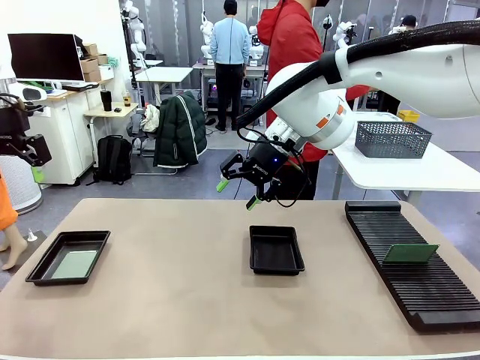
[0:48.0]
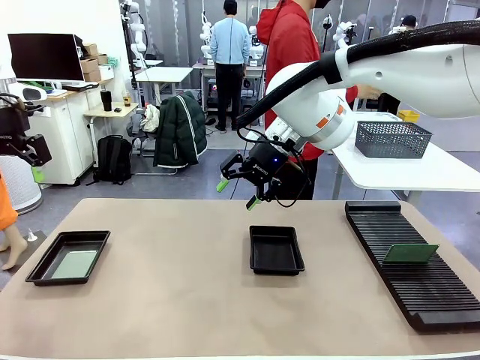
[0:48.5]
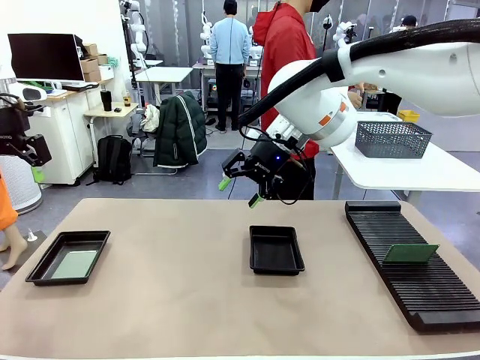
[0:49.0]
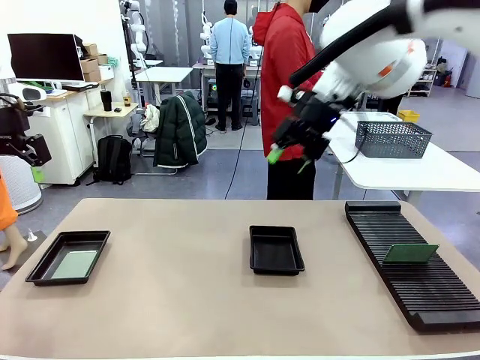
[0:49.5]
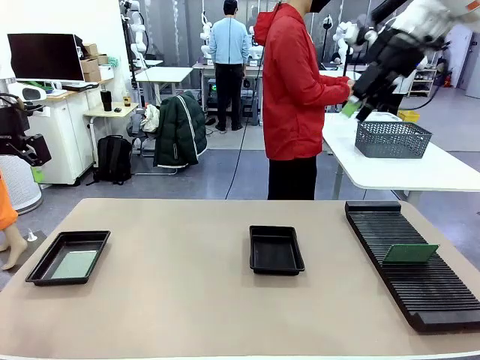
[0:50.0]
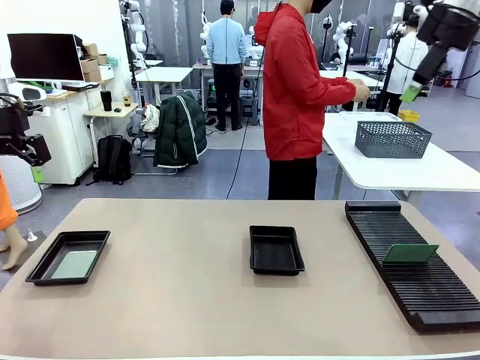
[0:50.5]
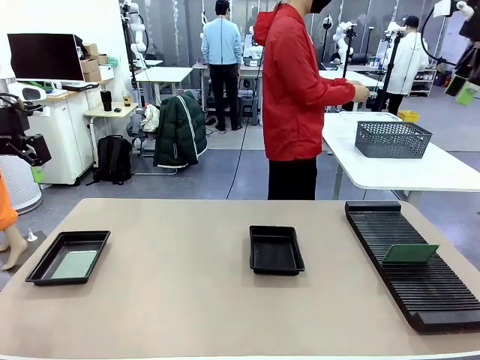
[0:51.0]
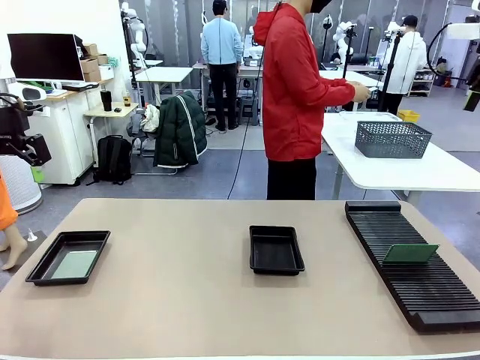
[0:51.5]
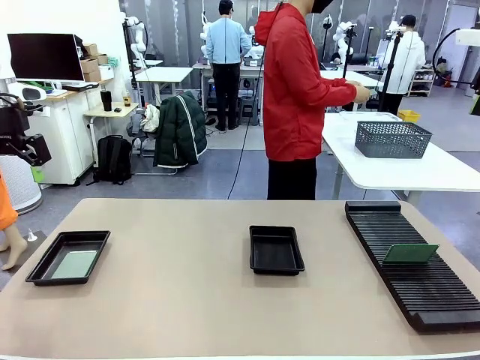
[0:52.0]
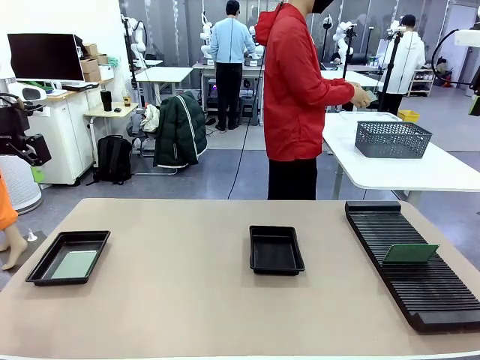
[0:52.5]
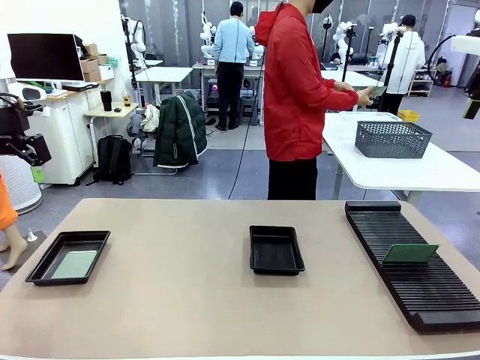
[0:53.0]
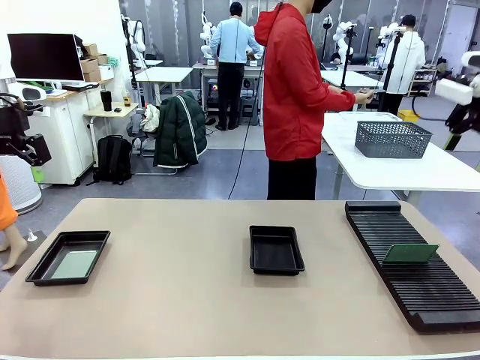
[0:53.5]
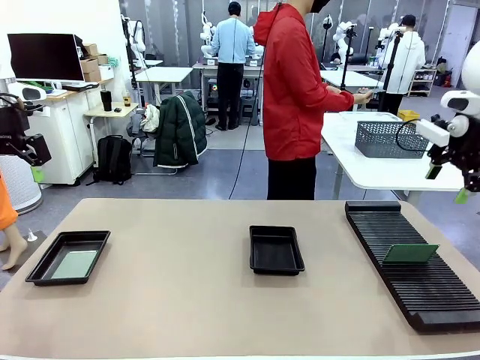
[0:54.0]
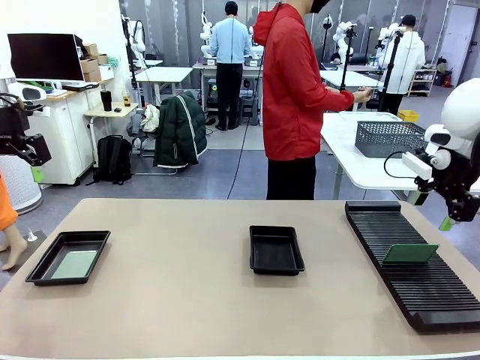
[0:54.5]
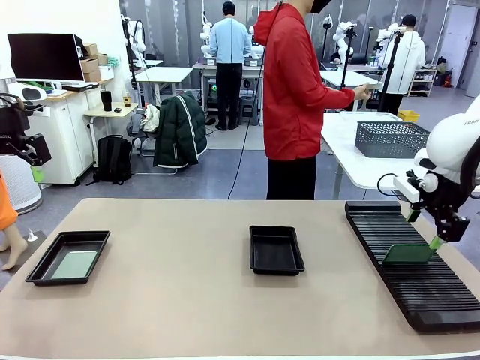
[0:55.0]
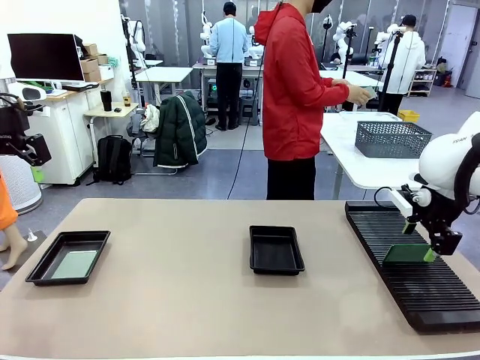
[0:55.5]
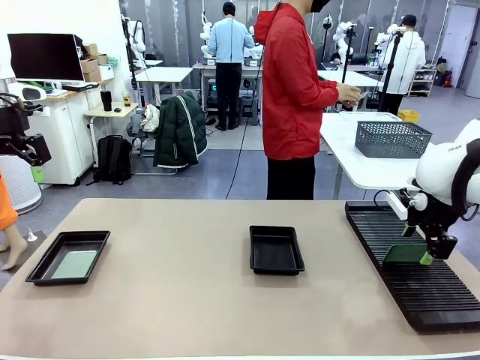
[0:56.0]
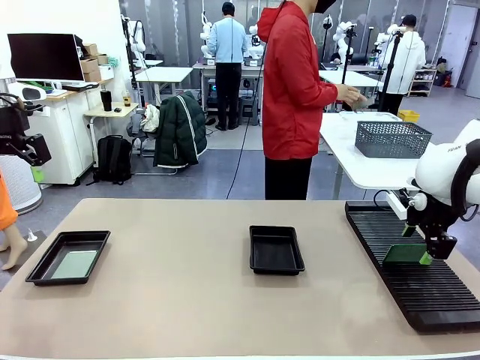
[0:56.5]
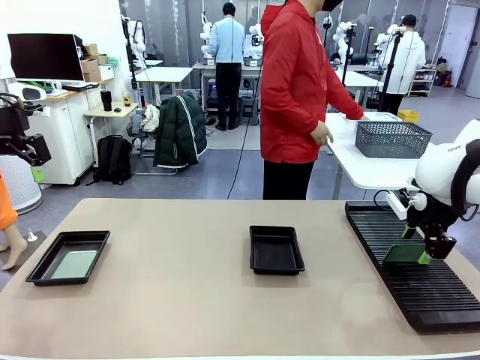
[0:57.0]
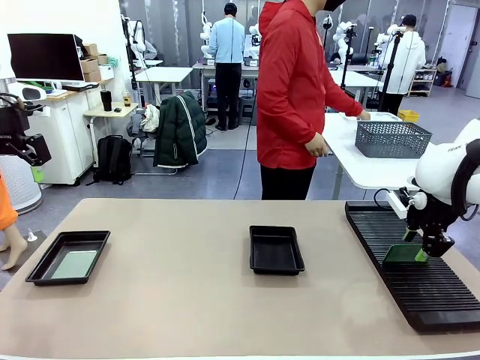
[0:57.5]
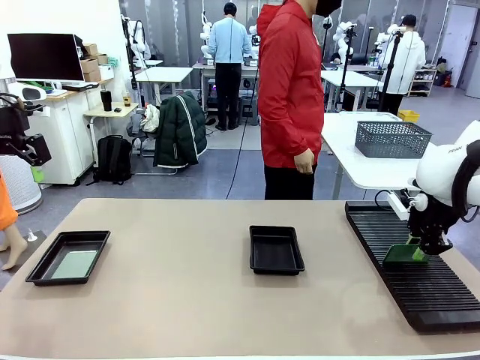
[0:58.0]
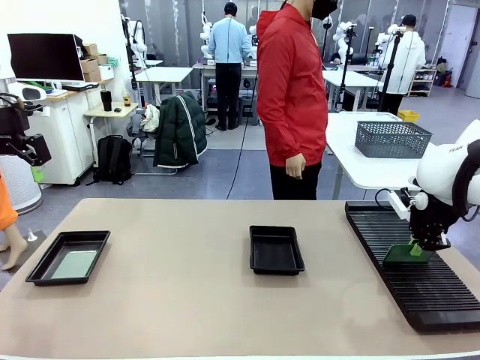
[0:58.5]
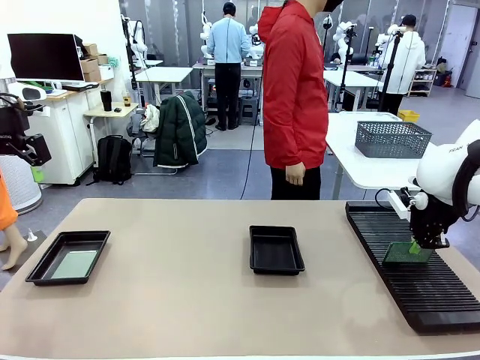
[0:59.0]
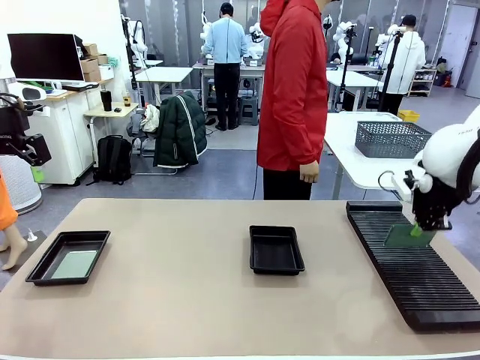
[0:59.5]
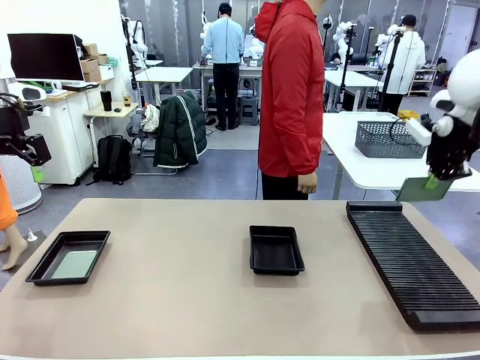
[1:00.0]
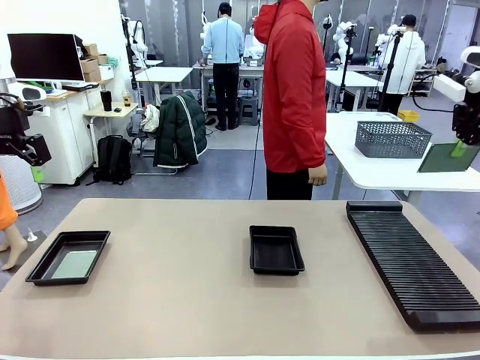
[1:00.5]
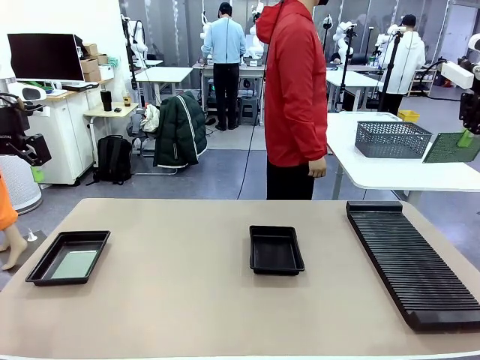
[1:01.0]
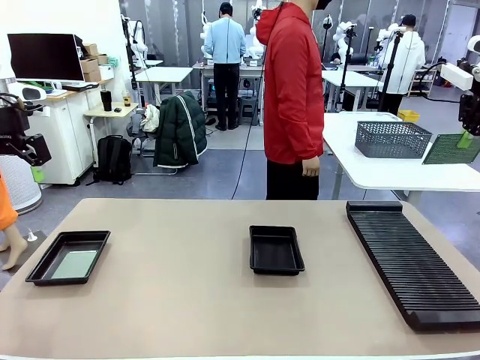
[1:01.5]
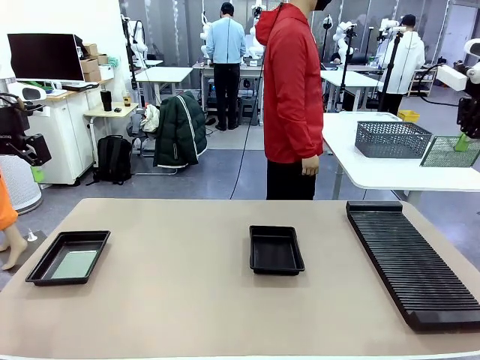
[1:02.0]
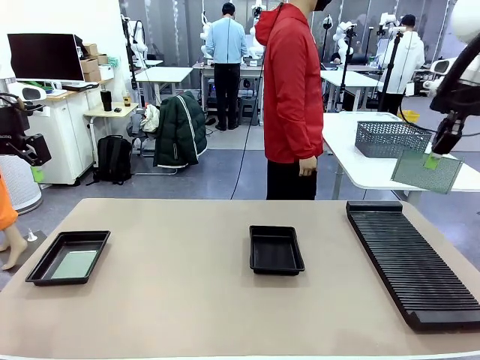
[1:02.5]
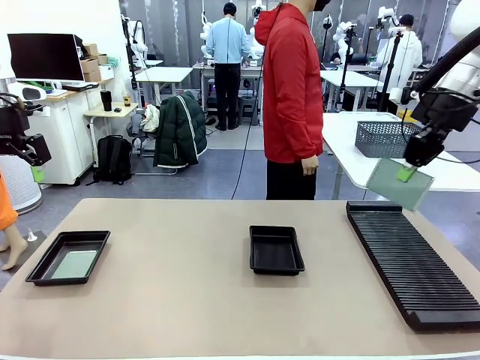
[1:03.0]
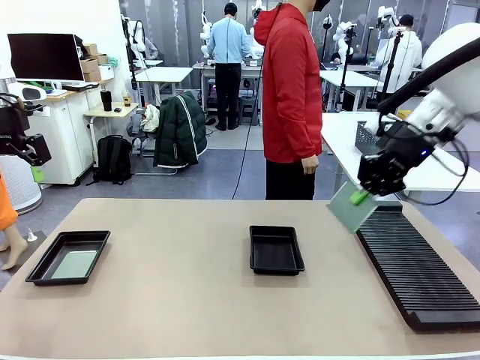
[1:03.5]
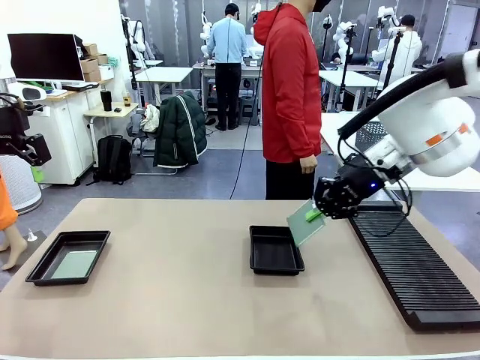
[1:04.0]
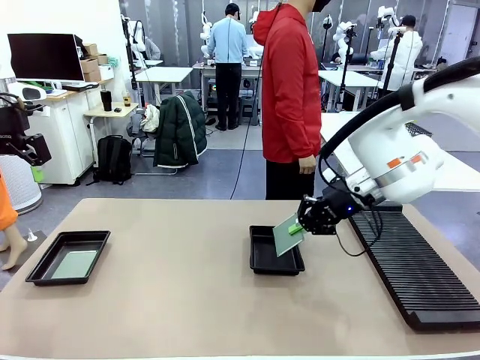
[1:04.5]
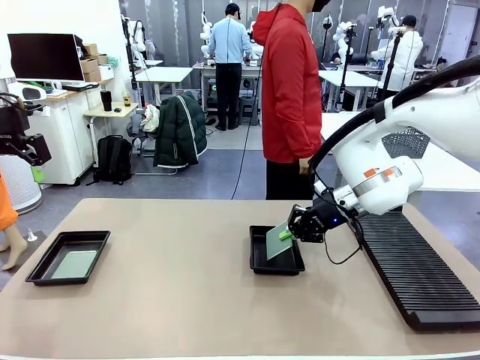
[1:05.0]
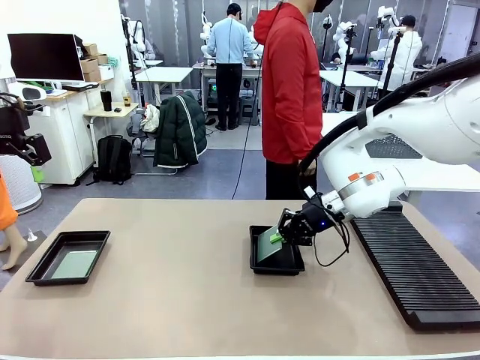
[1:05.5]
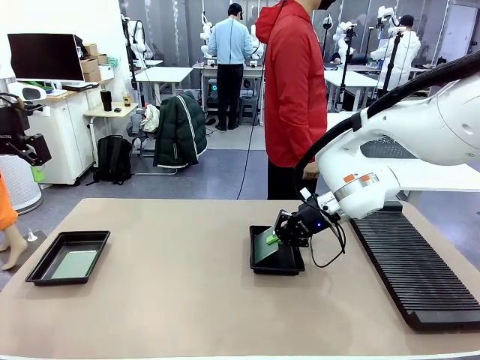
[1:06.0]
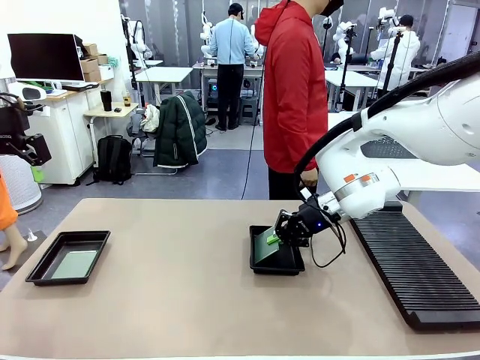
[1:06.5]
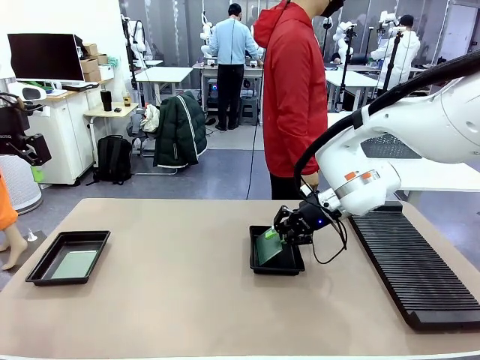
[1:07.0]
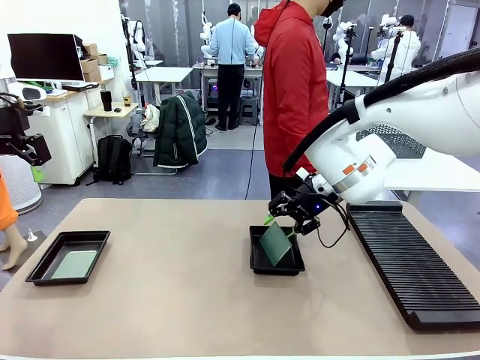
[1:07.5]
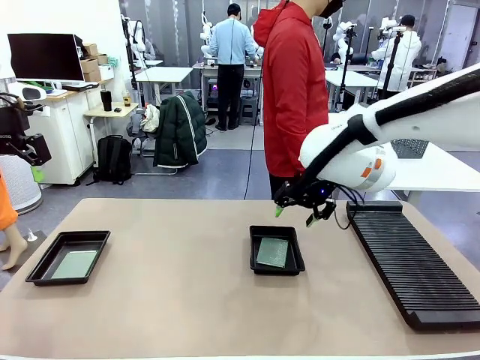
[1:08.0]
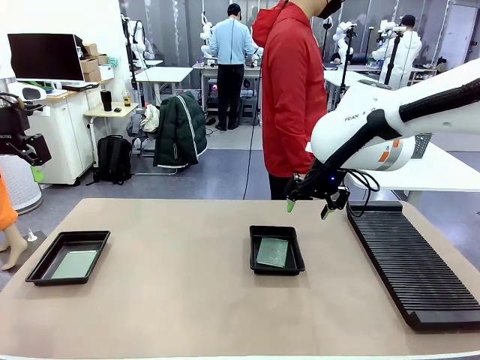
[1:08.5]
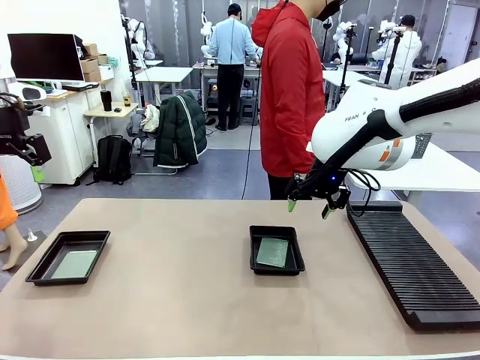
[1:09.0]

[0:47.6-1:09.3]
Task: Inspect and transfer BCBs to ESD trays.
Robot: Pick up the Blank PCB from the PCB Rack and place it in the right ESD tray.

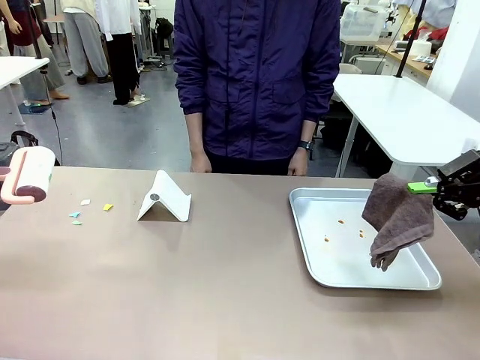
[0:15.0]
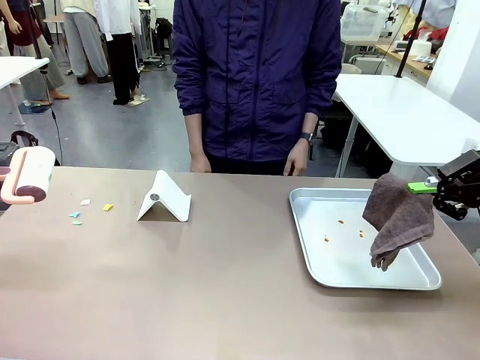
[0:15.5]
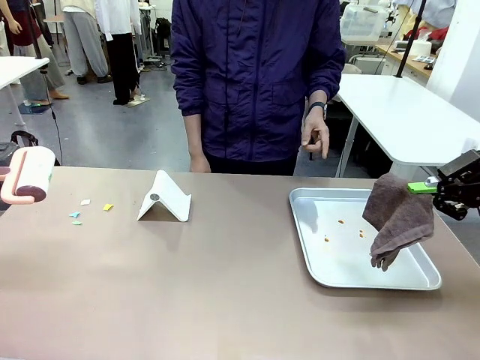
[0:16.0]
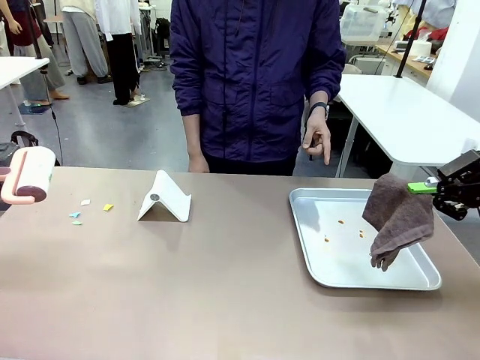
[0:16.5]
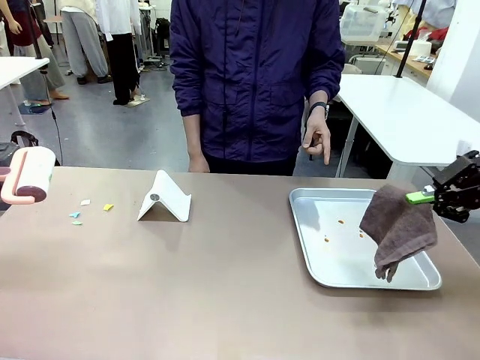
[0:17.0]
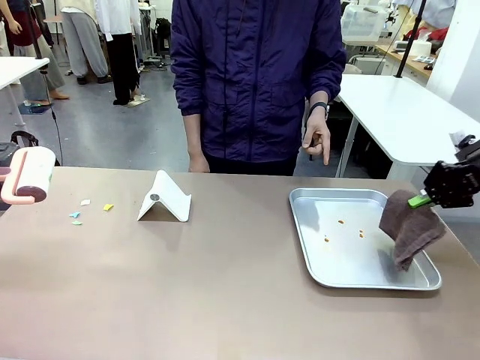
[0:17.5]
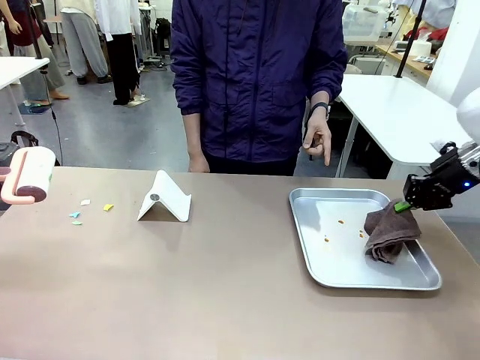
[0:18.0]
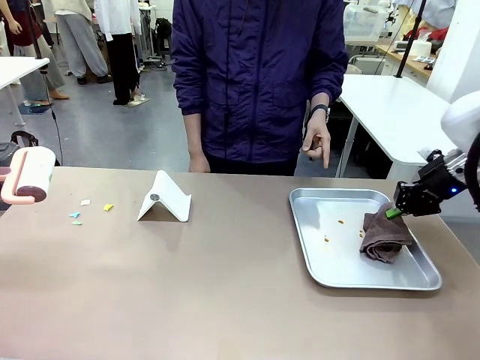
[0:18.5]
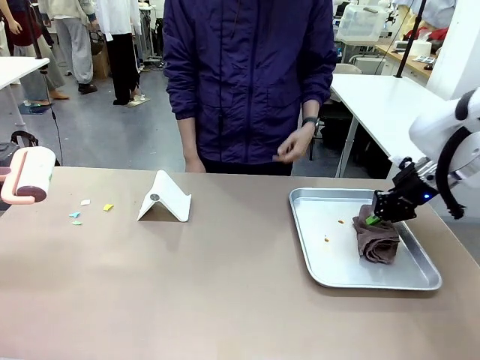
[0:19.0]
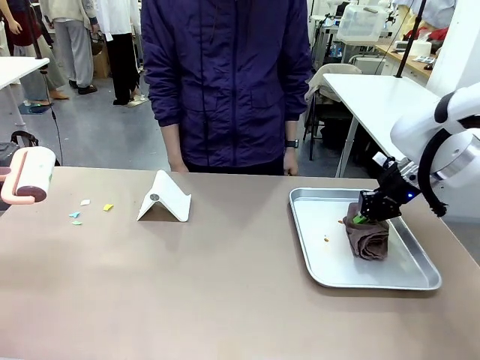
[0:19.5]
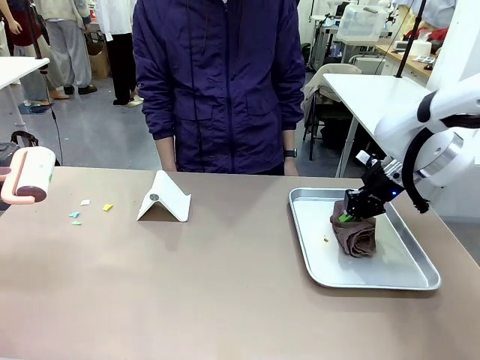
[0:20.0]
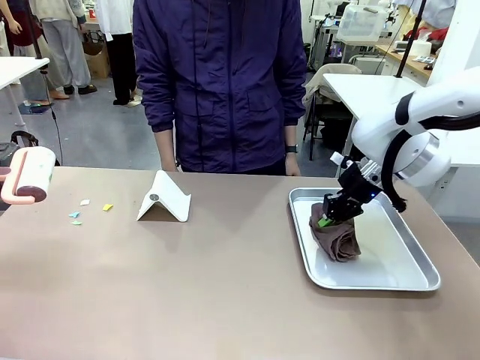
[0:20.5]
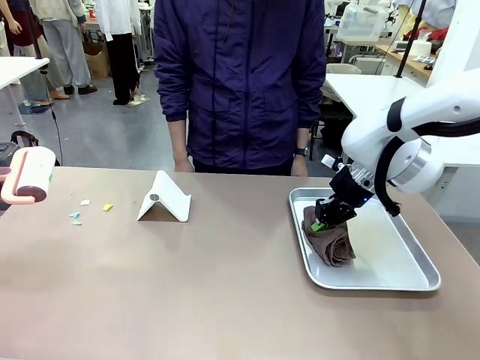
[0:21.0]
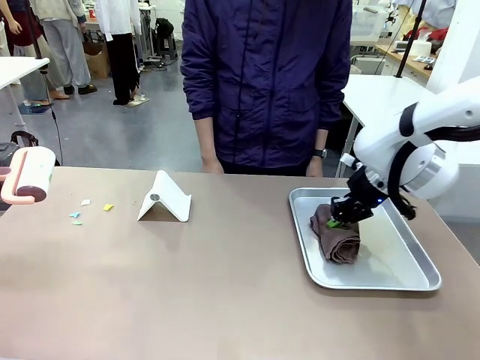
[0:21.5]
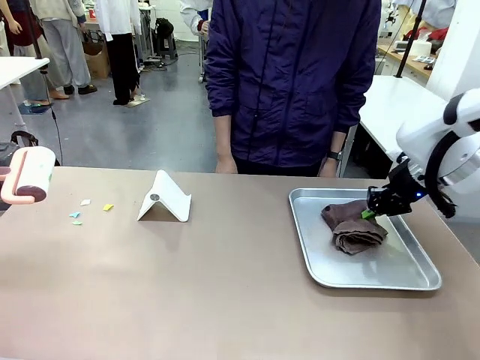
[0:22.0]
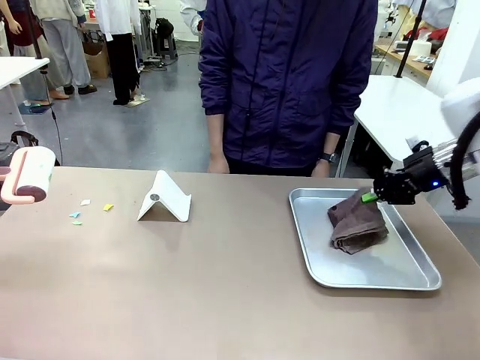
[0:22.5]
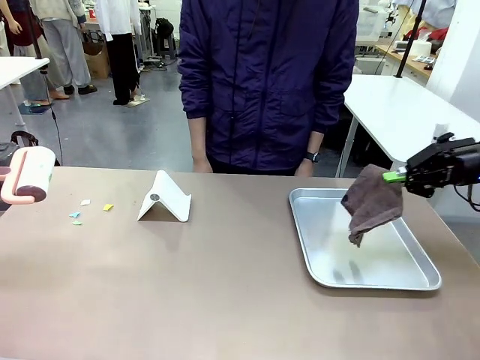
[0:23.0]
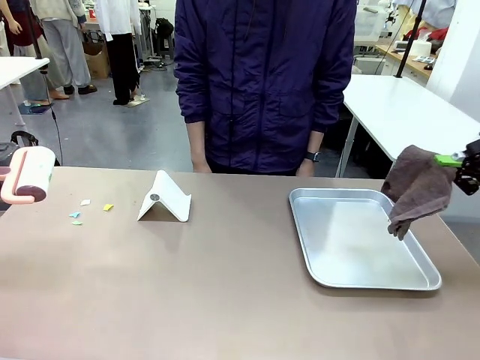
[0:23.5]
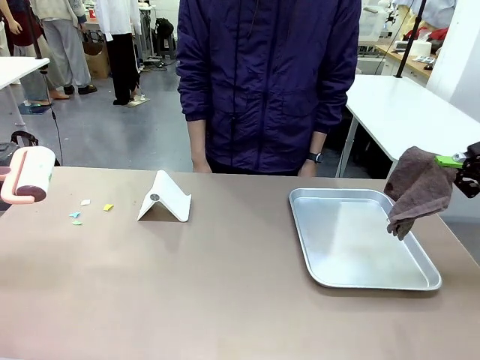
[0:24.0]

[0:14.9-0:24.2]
Task: Clean the surface of the table.
Robot: If a person points to the right, clean the right side of the table with your right hand, and if they point to the left, clean the left side with your left hand.
